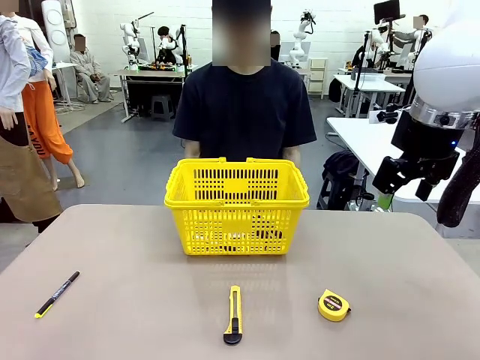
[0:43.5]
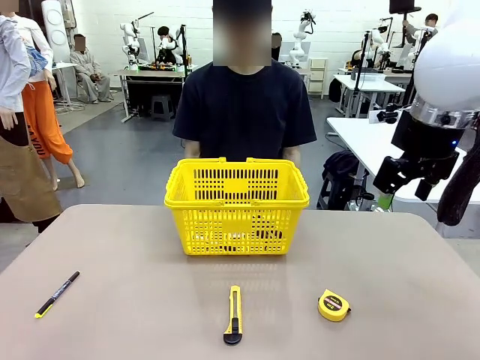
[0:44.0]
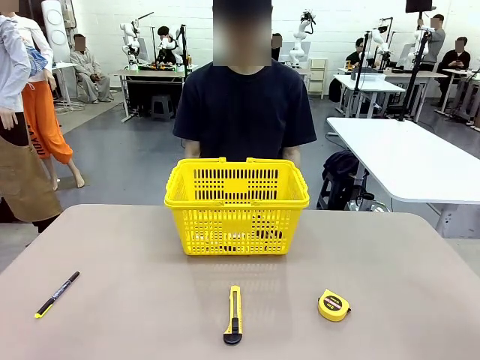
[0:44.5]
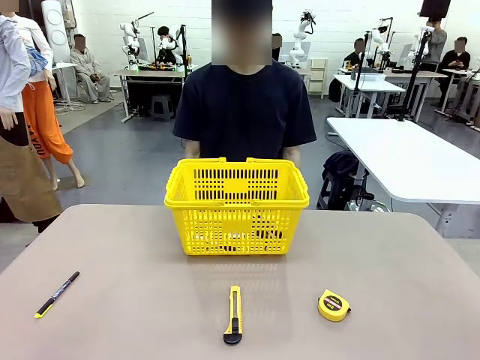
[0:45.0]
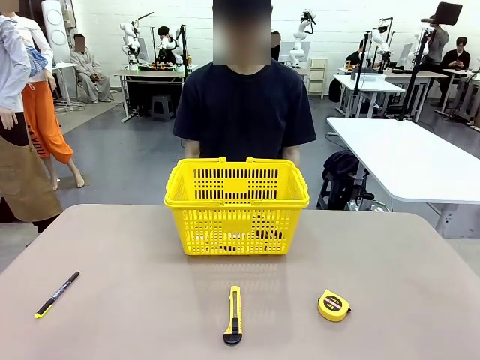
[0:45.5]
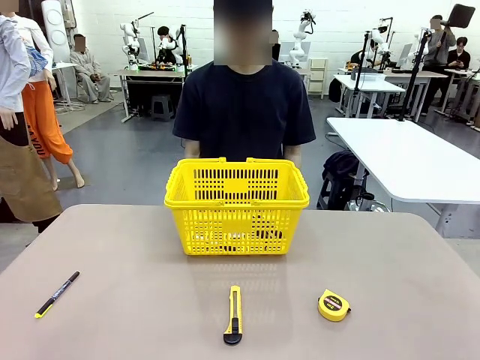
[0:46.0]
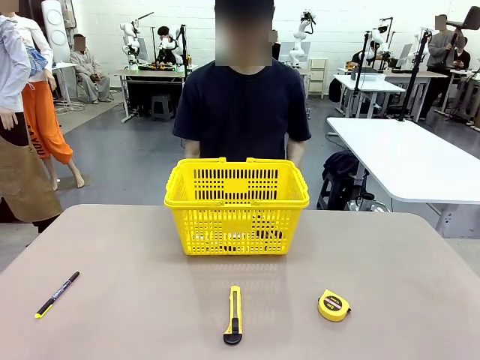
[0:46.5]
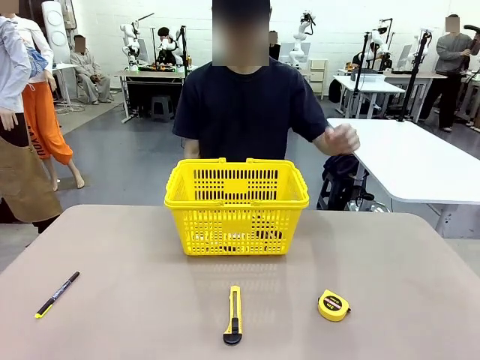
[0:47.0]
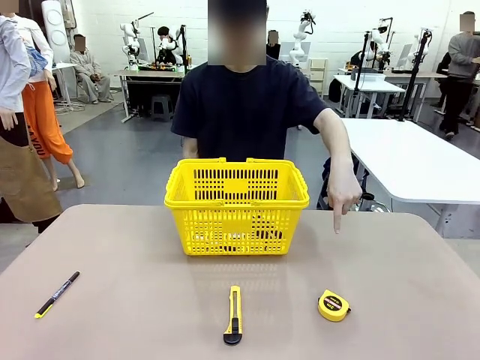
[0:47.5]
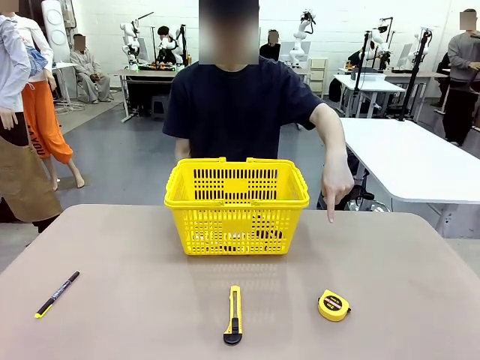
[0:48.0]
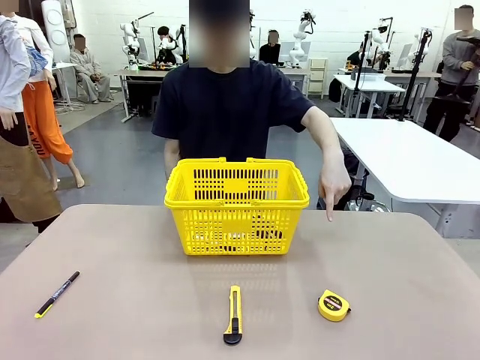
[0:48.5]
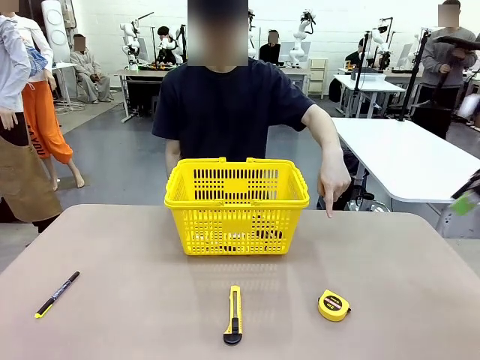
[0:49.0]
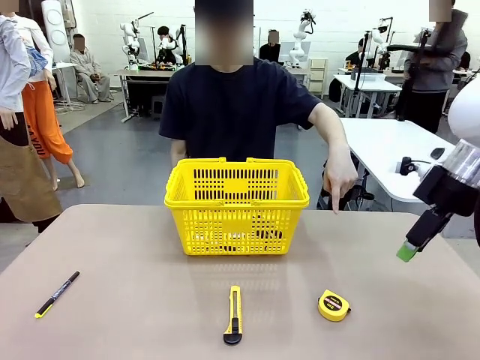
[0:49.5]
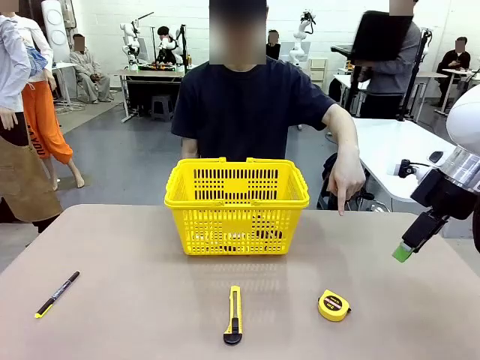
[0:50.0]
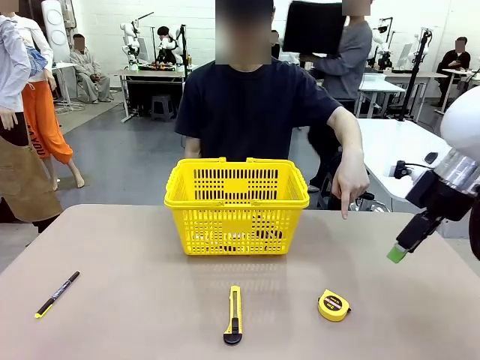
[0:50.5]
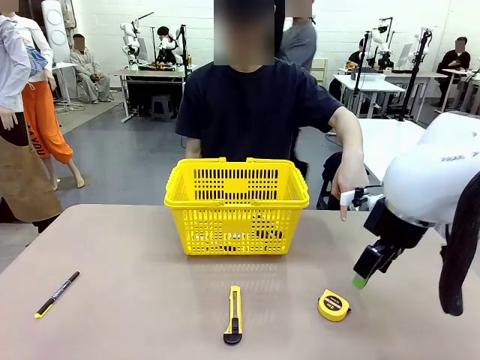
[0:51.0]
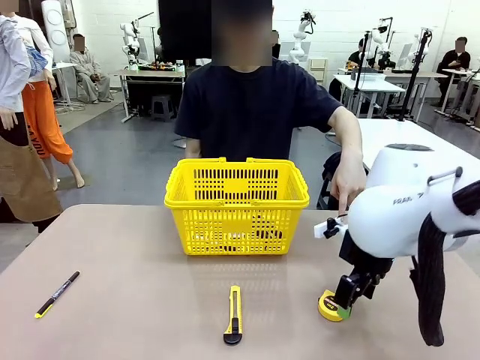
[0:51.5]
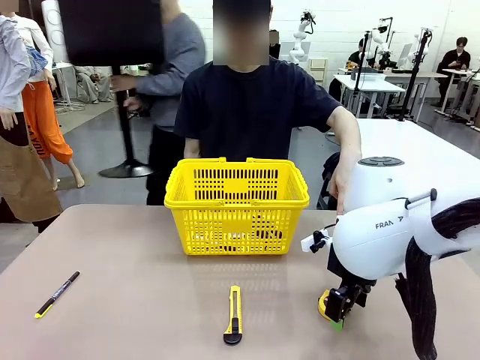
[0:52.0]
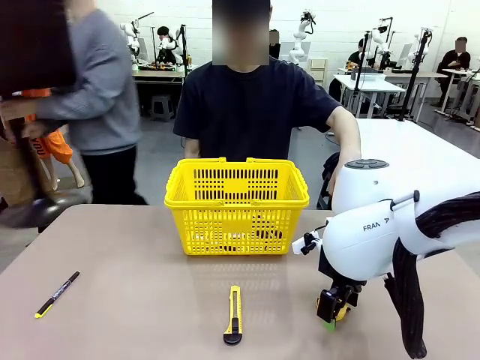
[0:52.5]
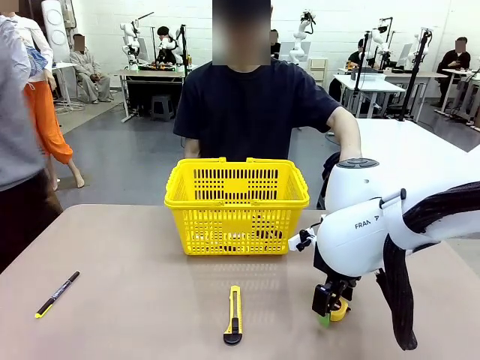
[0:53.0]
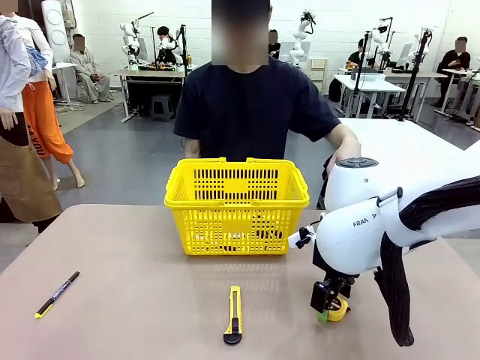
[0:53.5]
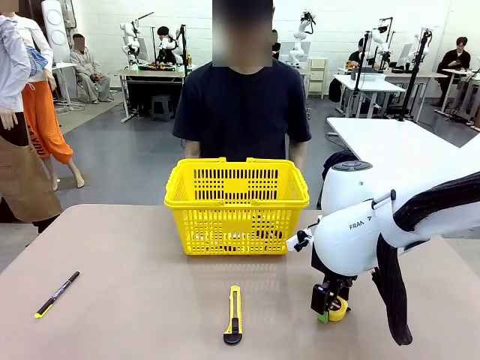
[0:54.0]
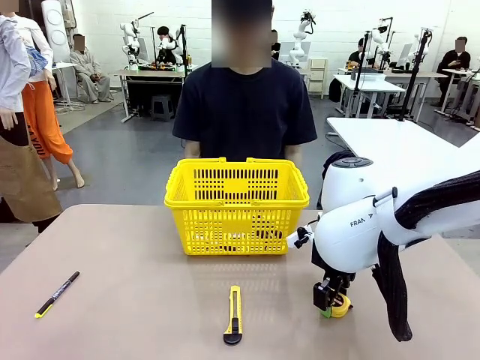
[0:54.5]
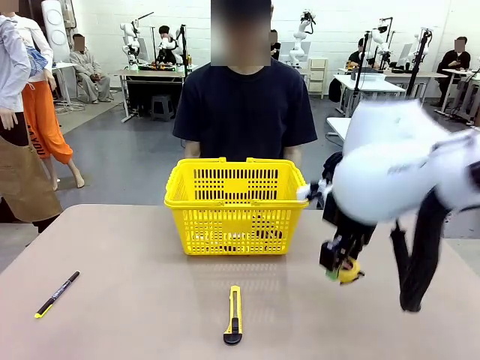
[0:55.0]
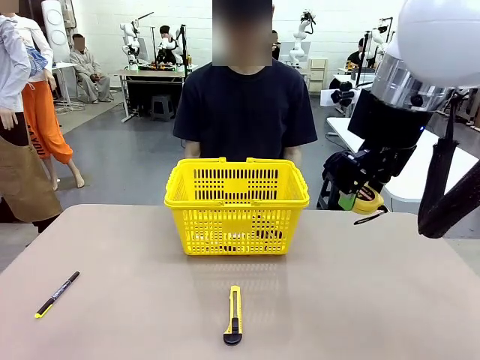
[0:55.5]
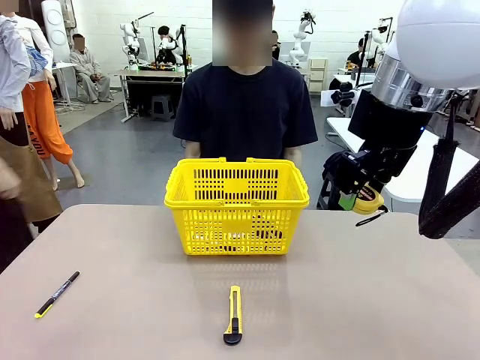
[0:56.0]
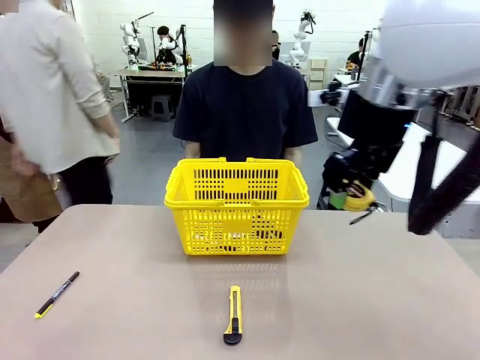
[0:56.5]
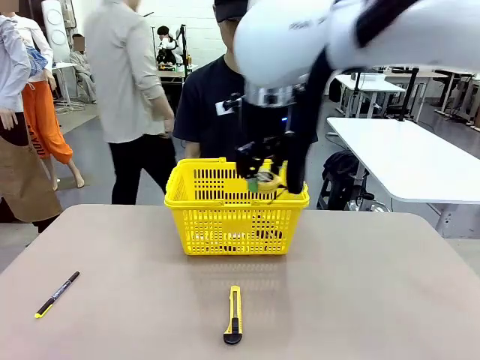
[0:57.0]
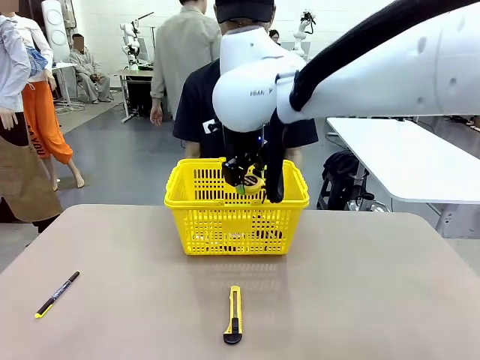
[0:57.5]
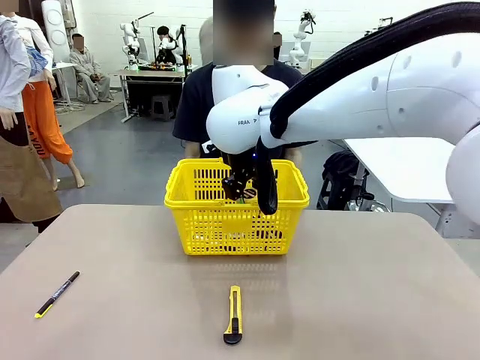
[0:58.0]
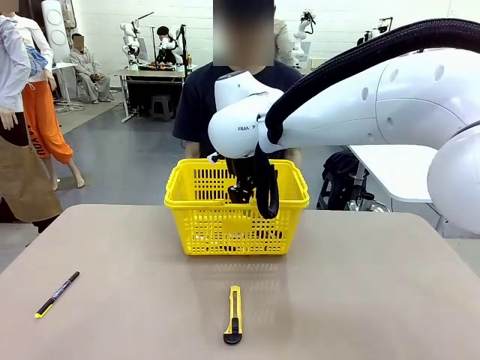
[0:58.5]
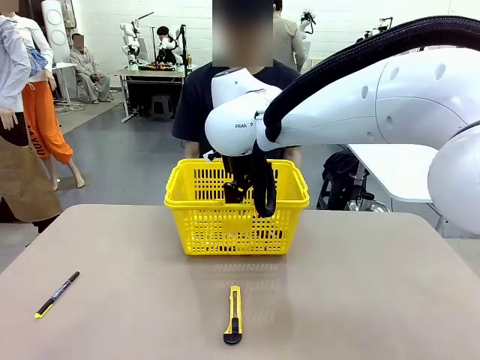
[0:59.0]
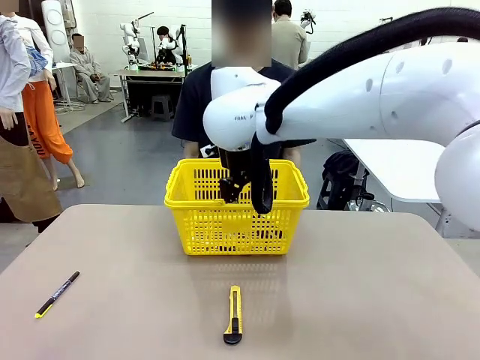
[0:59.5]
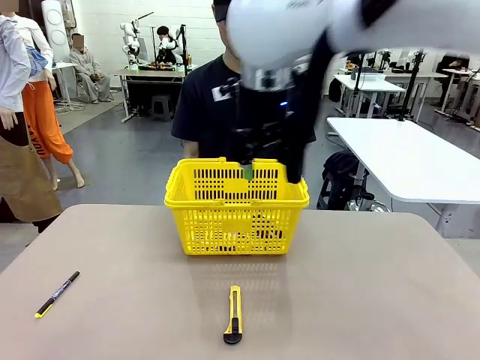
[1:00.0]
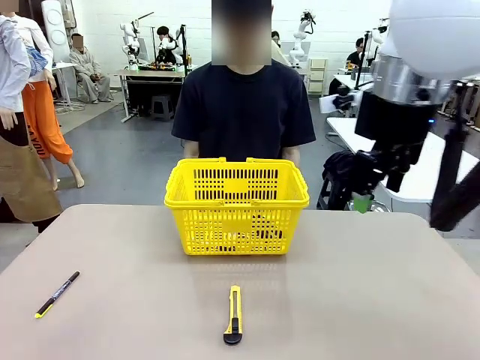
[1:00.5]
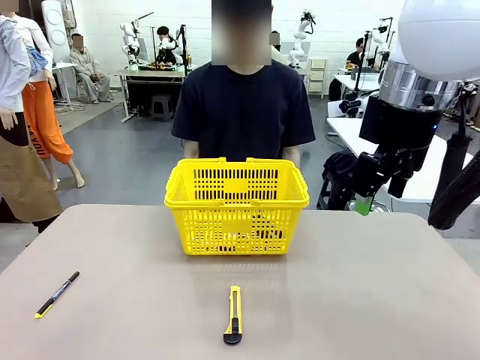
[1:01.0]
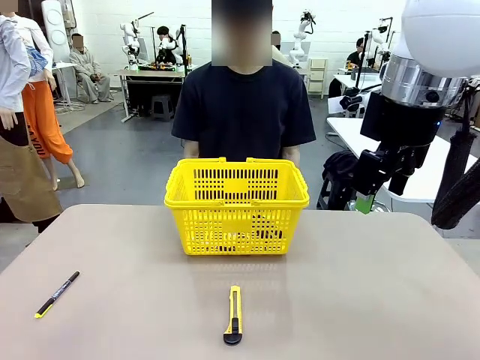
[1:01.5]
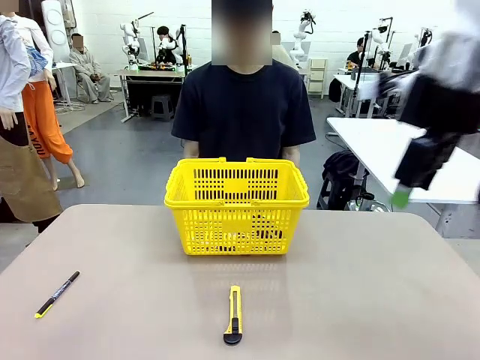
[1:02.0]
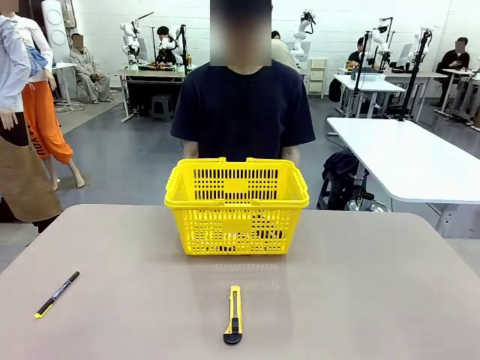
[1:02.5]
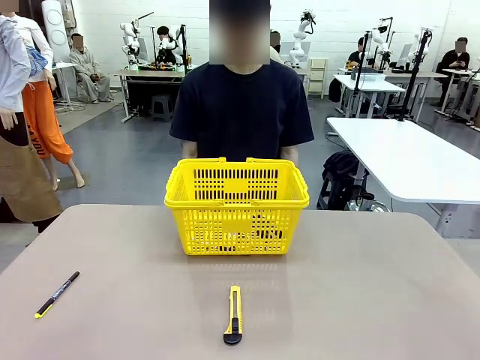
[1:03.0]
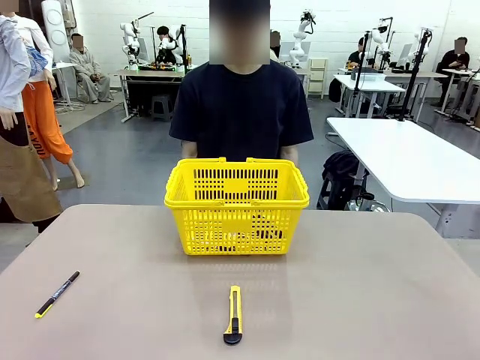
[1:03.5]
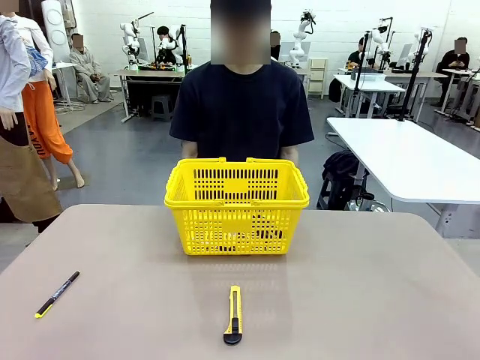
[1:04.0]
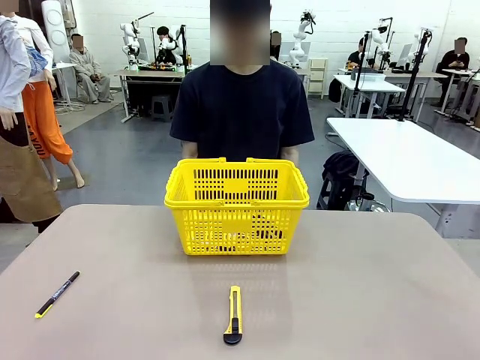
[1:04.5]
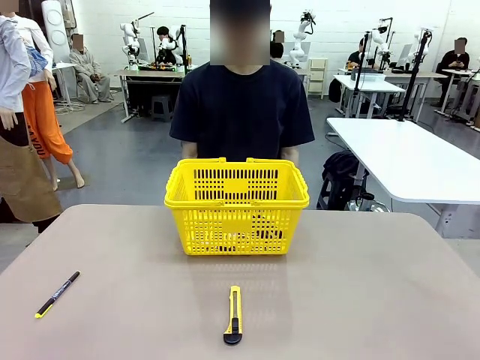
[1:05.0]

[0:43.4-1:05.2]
Task: Place the items the person wants into the basket.
Robot: Pick up the item the person points to and place it in the Market Basket.

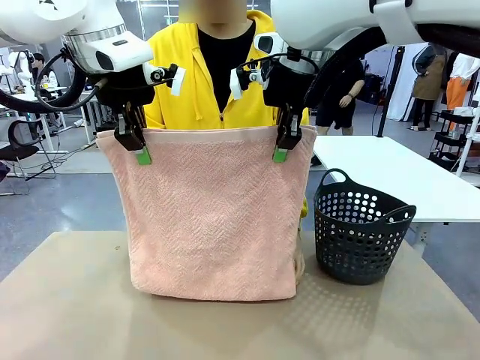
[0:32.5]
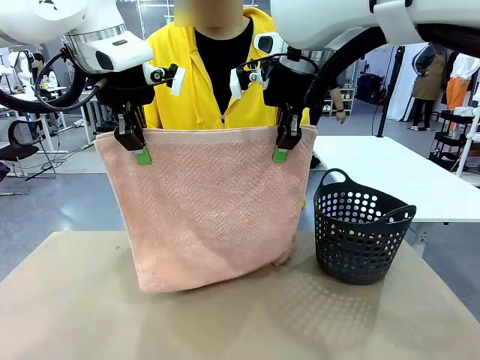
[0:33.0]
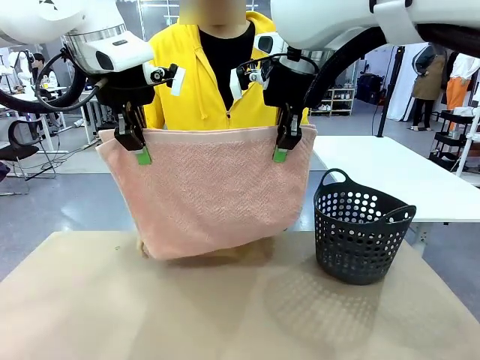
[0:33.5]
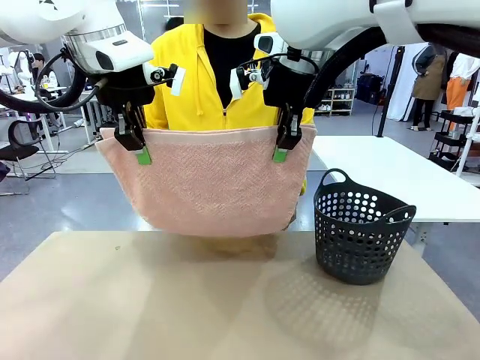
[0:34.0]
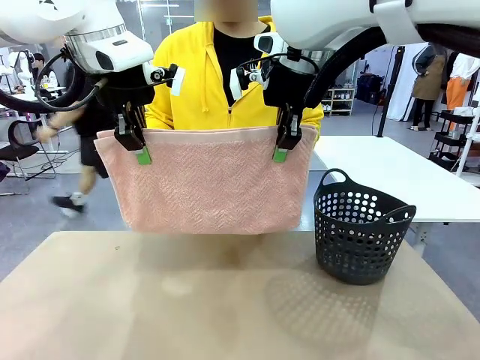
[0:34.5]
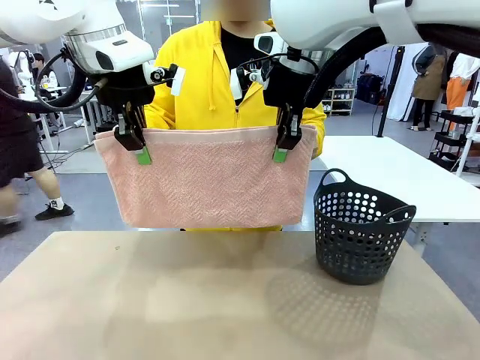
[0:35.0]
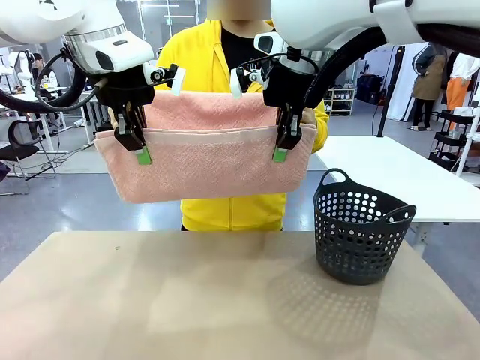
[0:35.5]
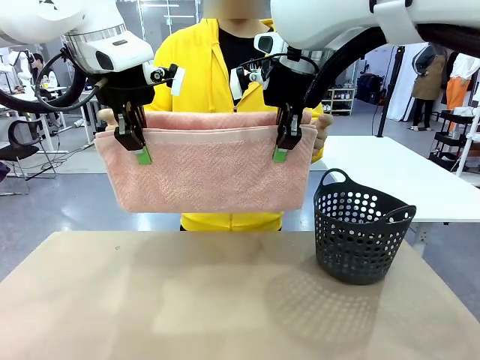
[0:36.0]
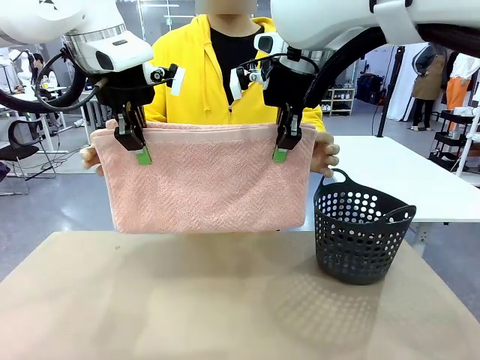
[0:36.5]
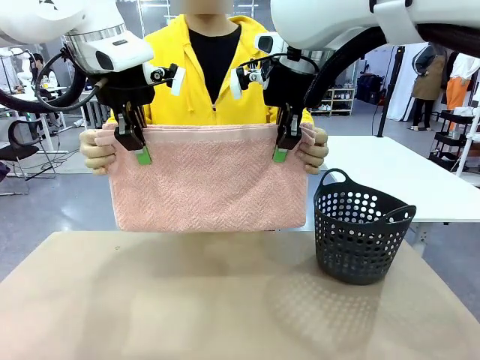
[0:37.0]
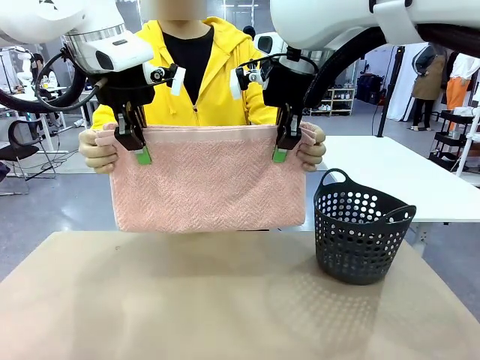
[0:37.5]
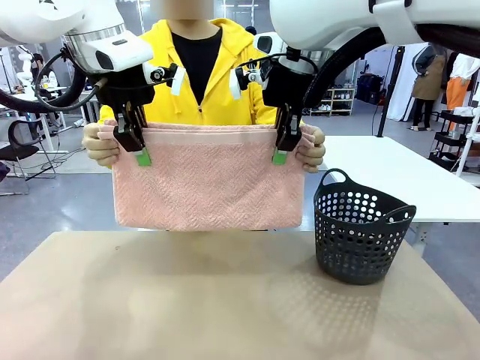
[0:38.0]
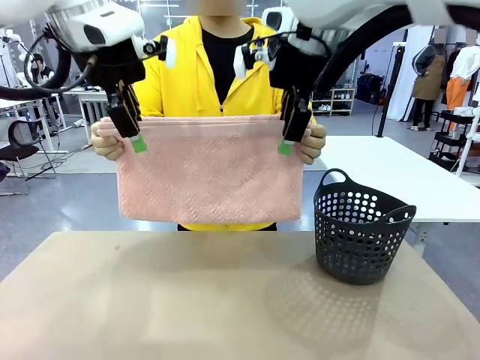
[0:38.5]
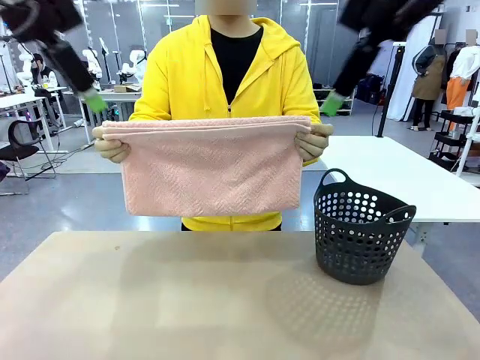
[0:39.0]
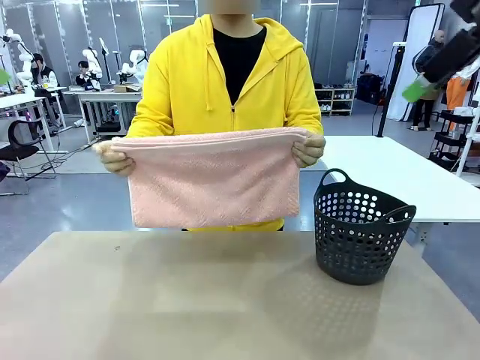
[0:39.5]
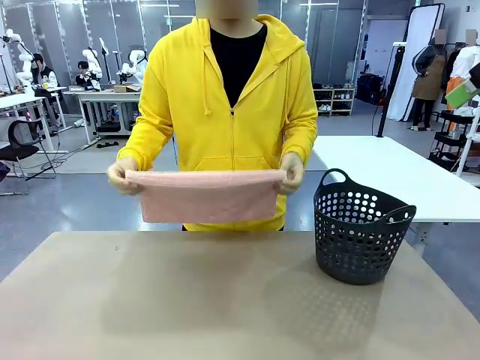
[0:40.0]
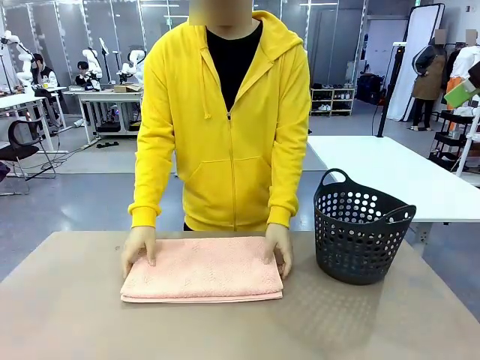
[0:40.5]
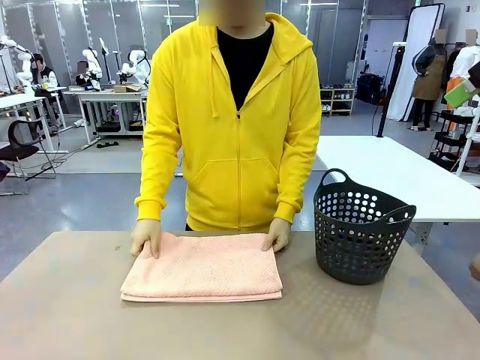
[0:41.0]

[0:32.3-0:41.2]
Task: Fold the towel.
Robot: Release the end of the 100 cm Hotel Towel you were holding.
Person: Place the towel at the center of the robot table and fold it in half.
